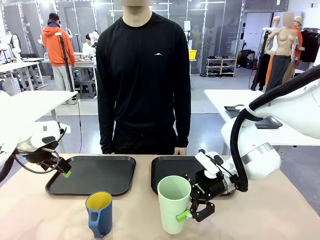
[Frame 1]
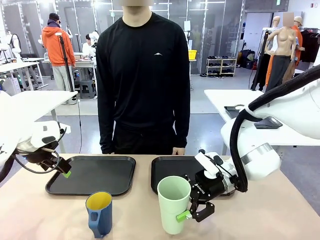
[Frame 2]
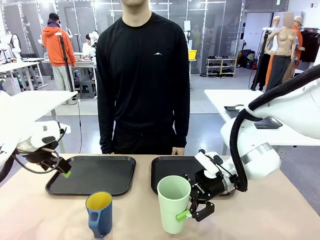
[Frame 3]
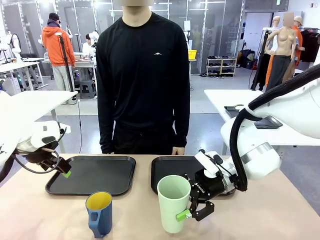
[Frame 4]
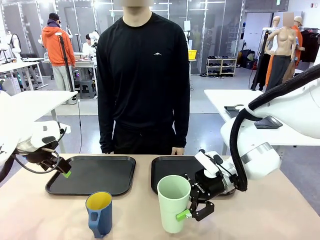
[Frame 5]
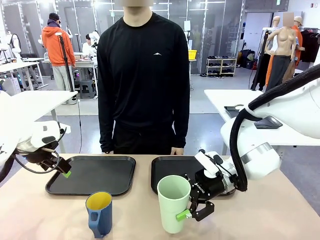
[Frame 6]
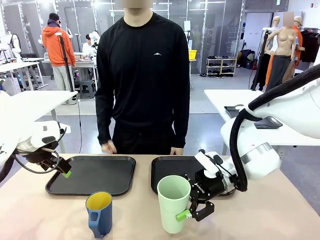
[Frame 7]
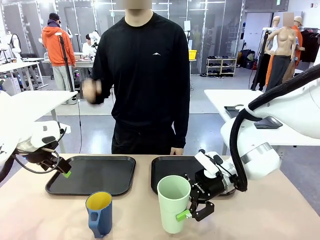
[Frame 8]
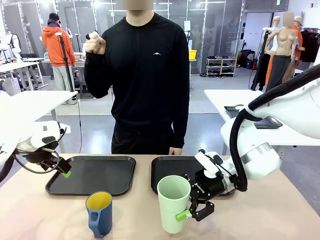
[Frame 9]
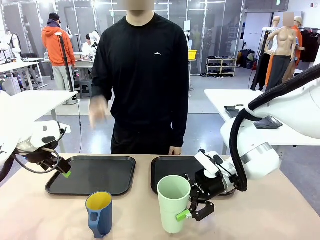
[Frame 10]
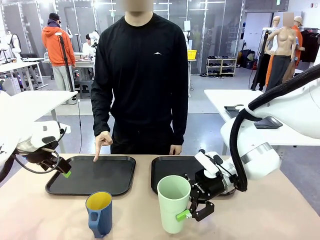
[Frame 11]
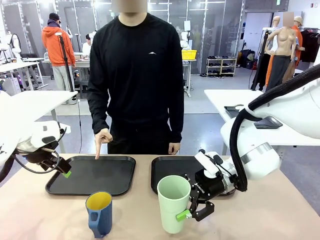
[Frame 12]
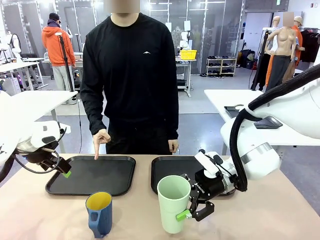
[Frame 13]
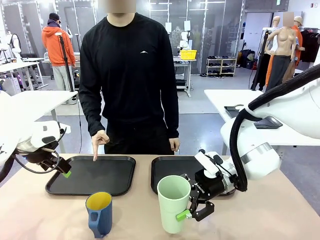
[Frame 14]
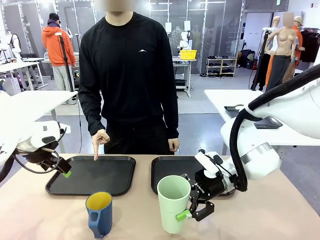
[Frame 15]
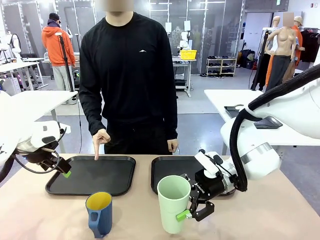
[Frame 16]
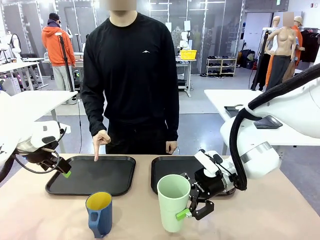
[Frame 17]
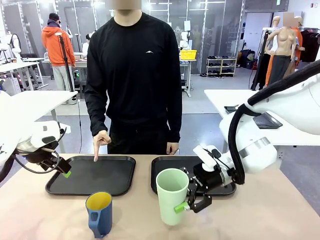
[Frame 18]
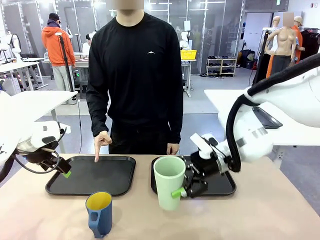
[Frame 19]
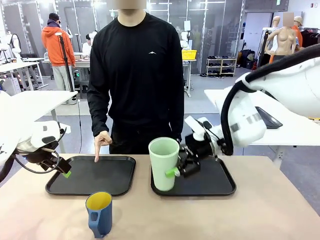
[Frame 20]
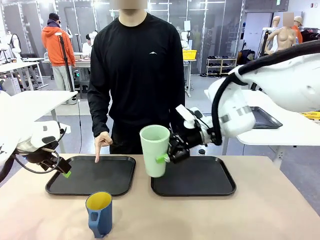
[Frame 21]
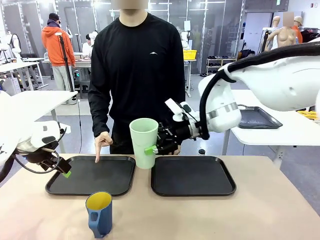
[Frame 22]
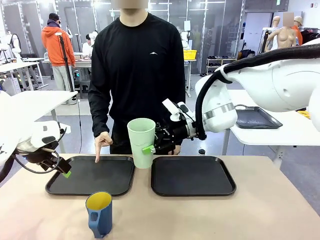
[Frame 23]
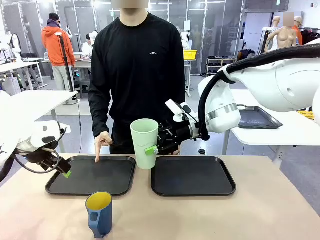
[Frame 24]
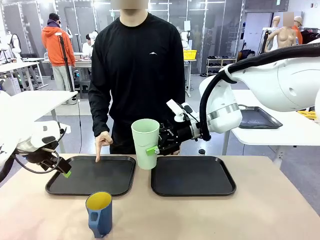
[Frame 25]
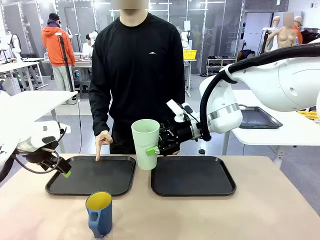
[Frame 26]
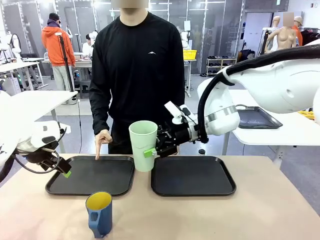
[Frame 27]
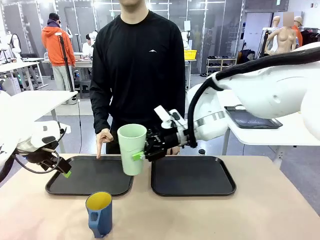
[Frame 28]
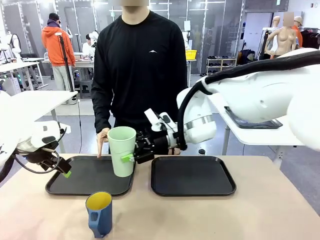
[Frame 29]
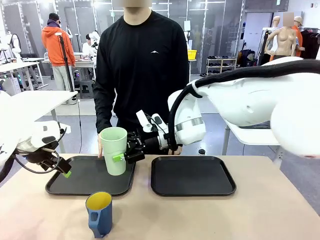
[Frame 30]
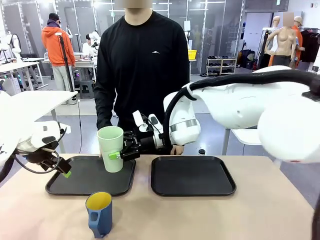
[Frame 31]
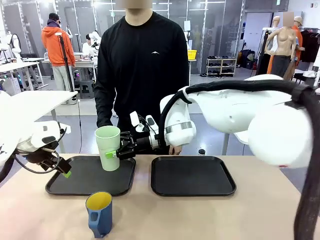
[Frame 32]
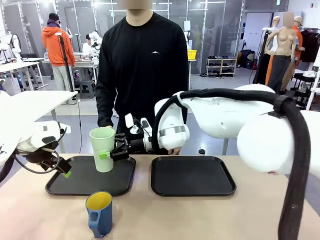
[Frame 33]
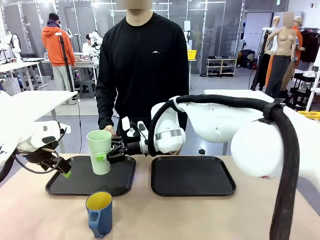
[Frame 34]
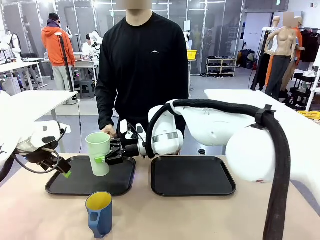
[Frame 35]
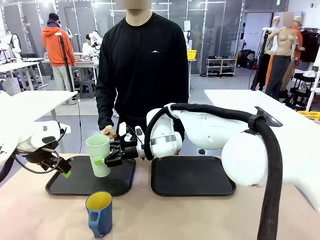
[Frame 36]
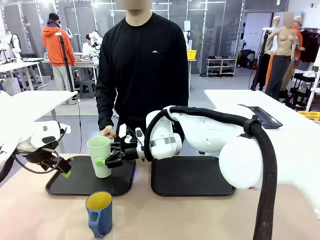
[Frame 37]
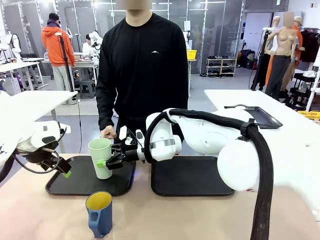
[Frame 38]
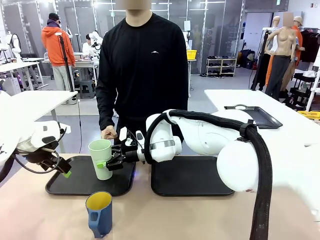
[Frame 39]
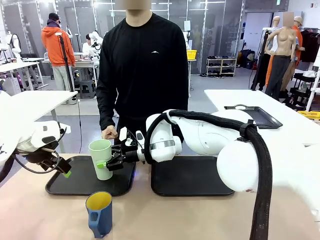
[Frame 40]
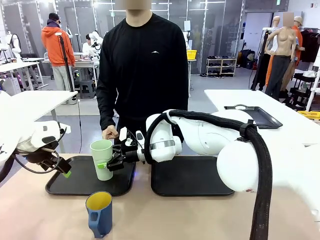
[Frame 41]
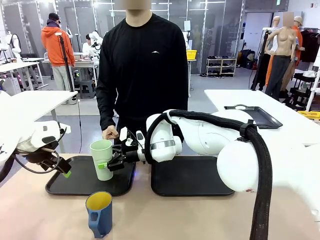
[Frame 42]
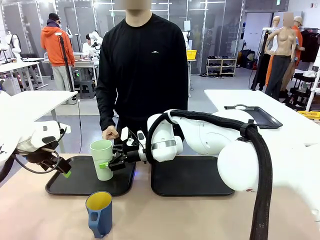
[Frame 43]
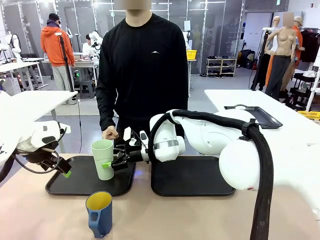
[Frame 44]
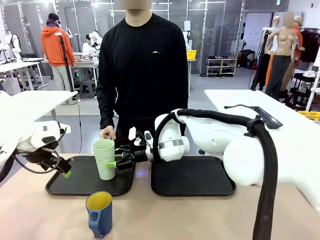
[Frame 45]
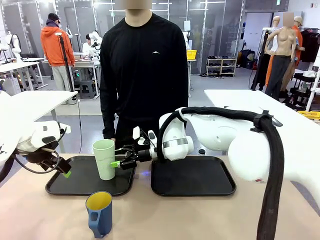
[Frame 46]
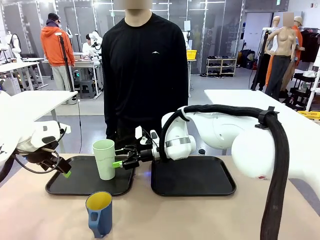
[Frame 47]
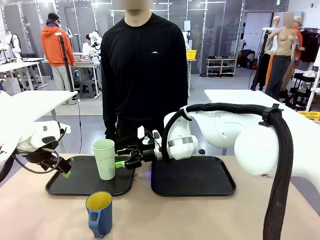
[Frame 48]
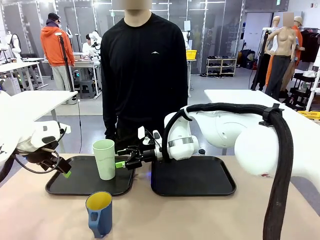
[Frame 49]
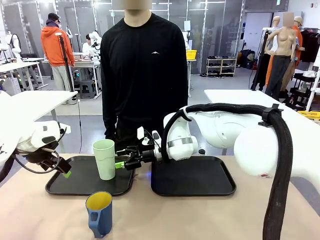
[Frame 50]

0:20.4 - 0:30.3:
Task: Sort and store the cups by type.
Robot: Place the picked Reusable plastic cup into the Flat Tray indicated by the person.

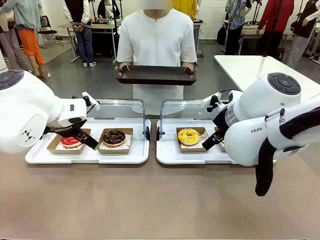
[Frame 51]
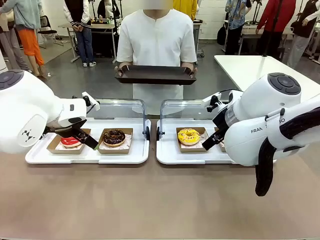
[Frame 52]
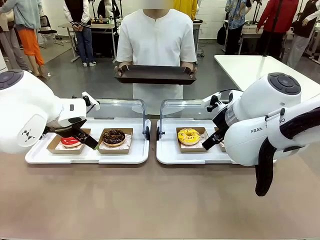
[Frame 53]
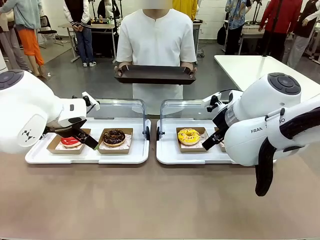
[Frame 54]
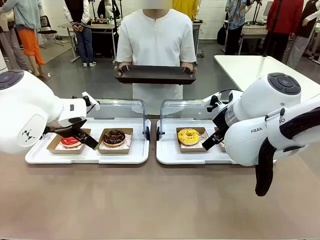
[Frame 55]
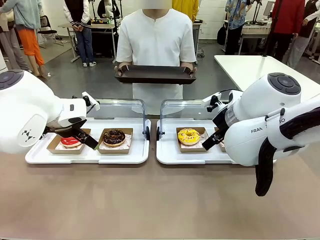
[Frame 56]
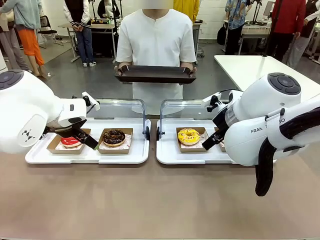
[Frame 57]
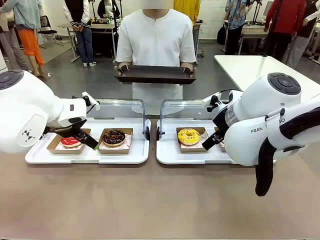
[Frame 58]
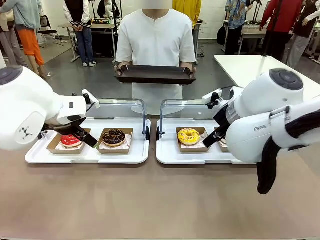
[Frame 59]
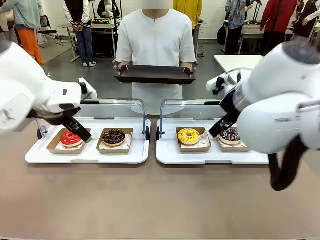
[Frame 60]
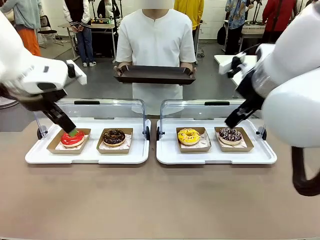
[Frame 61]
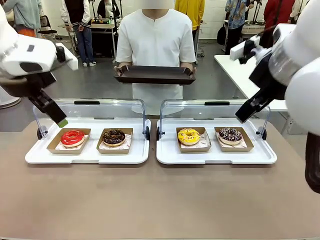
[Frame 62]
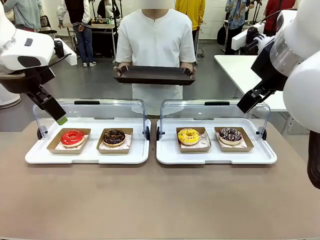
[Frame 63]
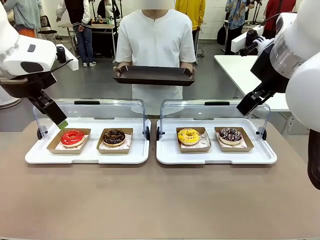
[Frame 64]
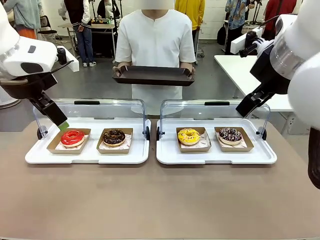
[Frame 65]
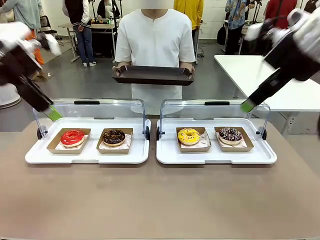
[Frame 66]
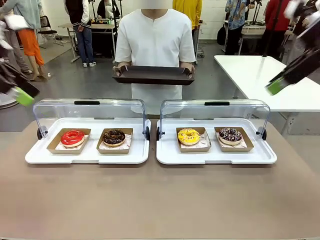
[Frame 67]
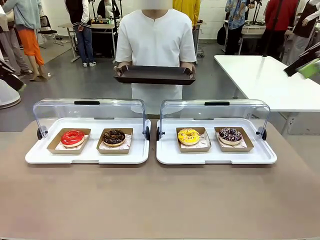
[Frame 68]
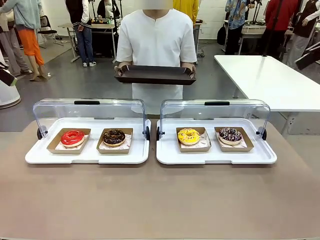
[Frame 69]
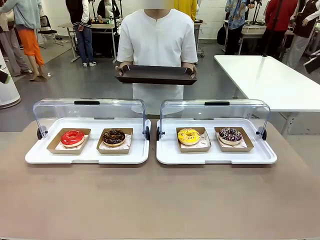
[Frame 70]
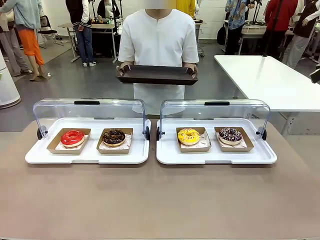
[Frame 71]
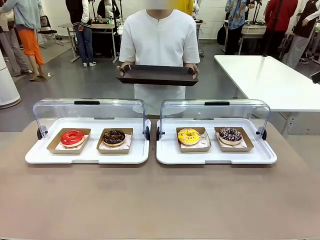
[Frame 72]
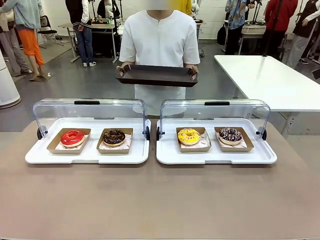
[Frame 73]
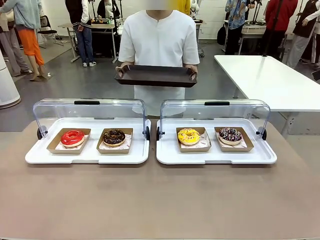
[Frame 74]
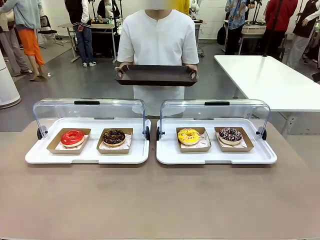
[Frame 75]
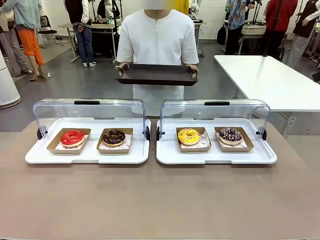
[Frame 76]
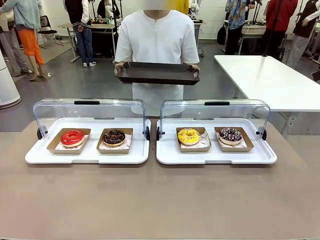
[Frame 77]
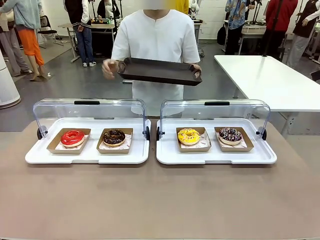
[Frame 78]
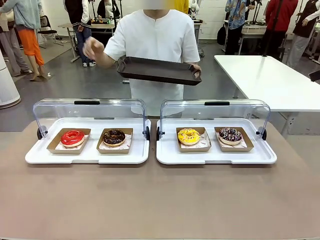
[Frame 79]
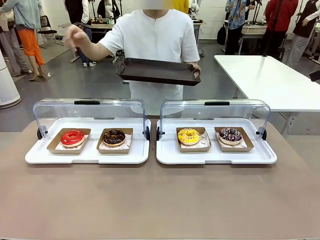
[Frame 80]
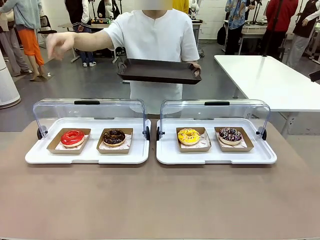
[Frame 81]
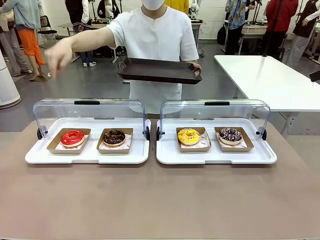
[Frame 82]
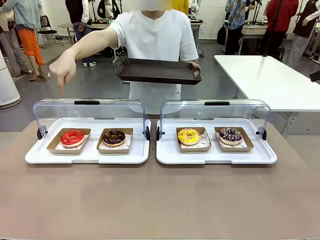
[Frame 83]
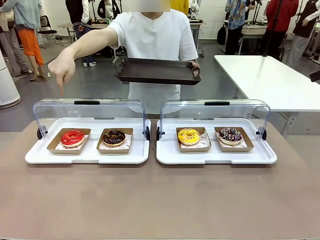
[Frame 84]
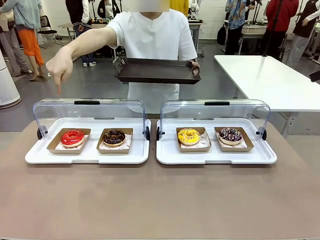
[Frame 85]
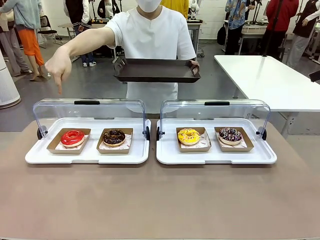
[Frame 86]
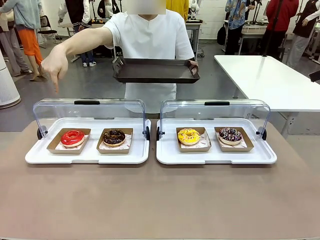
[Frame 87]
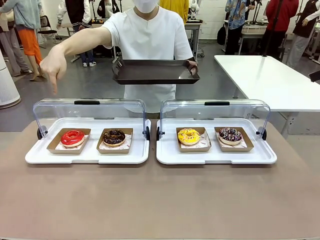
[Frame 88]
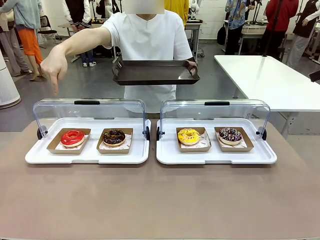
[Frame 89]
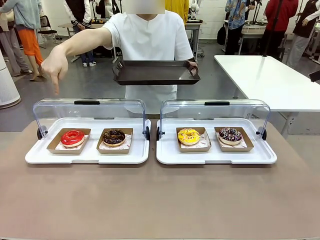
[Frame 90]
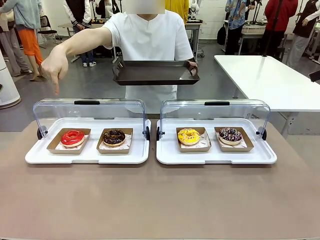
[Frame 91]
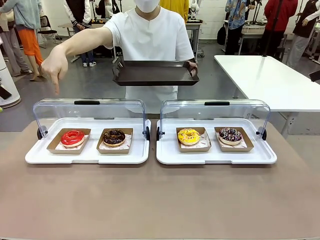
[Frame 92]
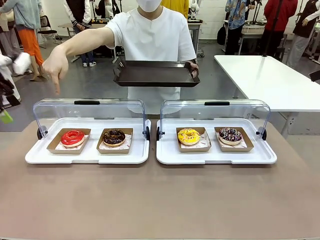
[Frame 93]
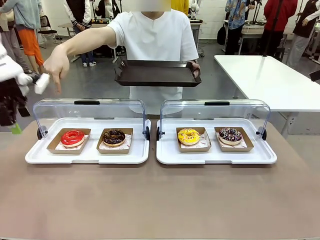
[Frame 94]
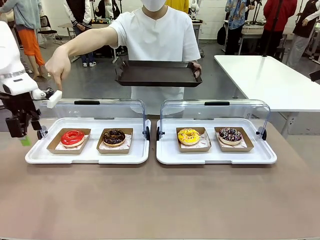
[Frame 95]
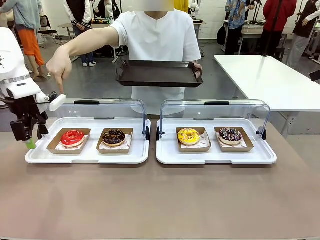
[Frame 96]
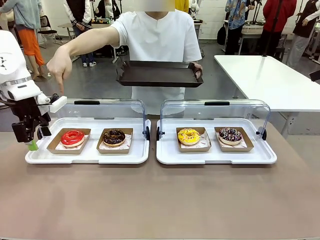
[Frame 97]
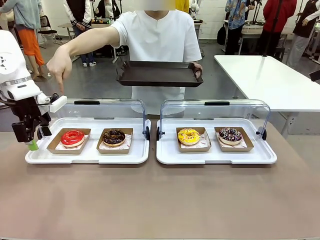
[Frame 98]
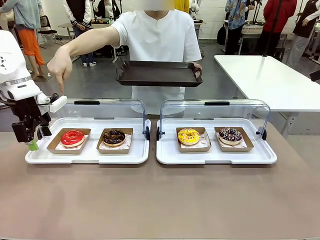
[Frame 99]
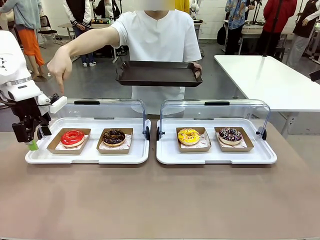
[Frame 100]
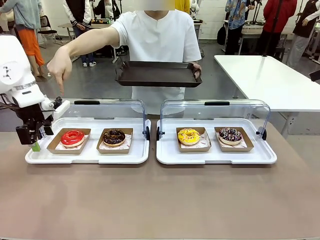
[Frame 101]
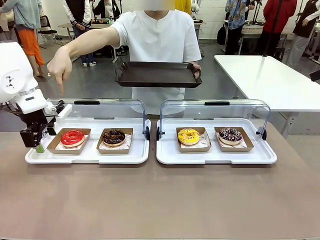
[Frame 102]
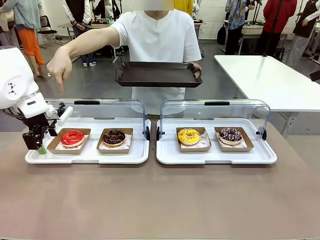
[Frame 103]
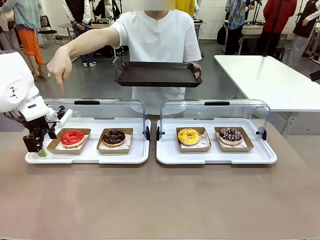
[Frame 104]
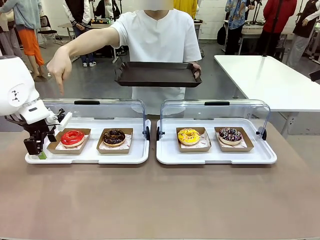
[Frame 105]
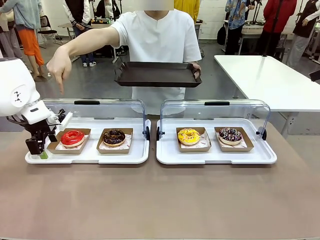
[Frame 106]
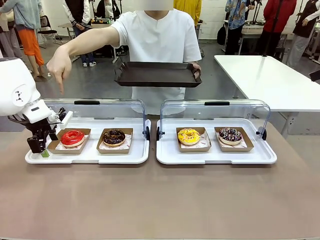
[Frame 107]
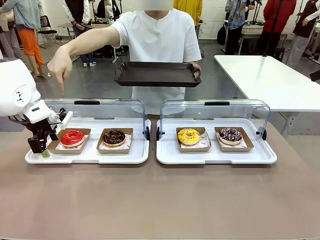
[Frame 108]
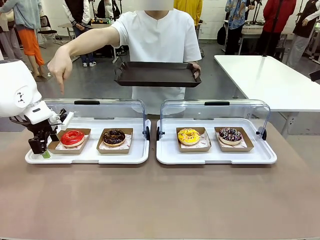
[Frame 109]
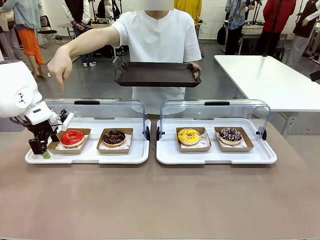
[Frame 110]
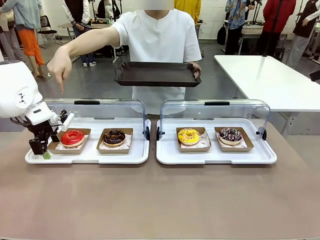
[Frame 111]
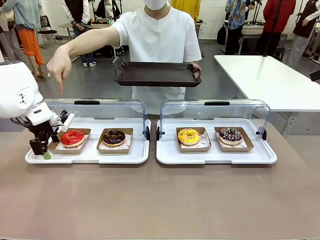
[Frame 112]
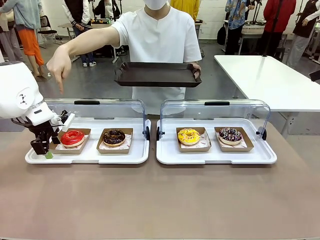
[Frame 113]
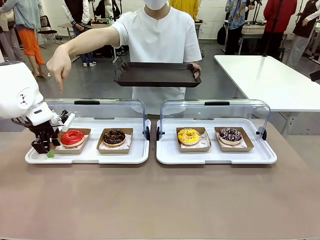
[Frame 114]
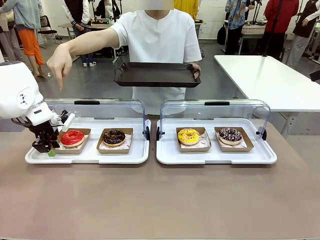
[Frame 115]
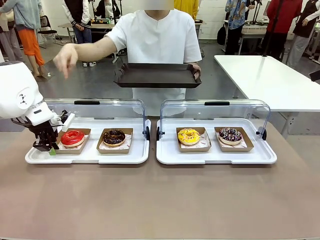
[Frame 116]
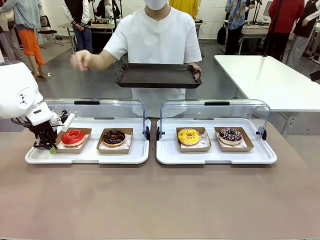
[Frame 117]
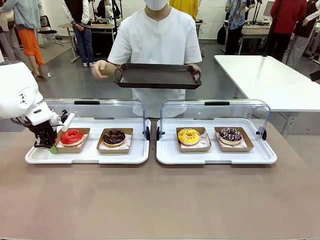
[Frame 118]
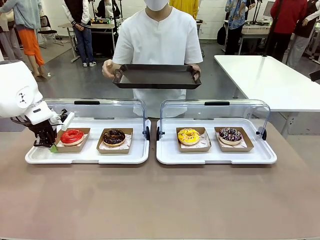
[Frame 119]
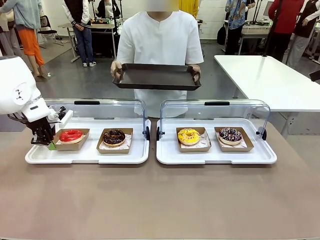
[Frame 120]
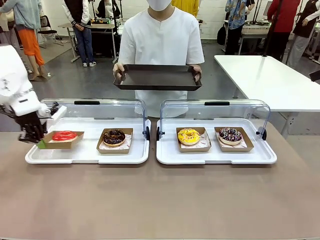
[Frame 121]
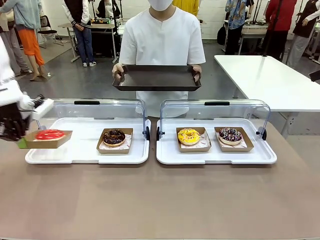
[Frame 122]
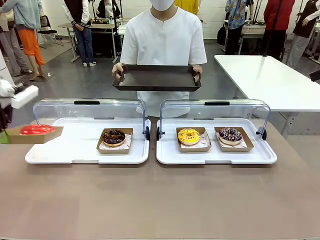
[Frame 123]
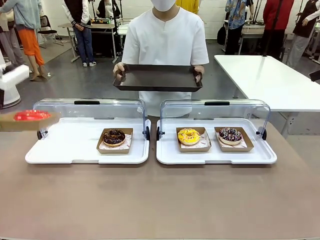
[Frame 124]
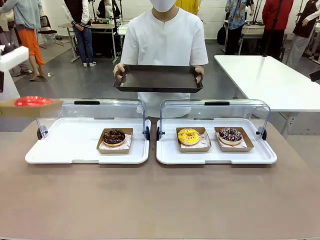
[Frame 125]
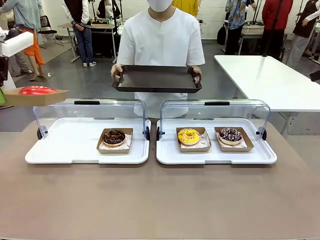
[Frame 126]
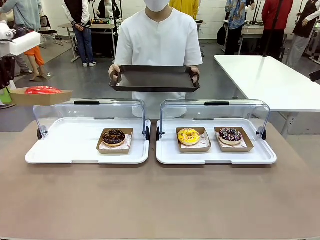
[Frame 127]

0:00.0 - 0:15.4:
Task: Provide the desired donut to the person.
Robot: Pick up and lift the Paper togo box containing the Donut pointed at by the person.
Person: Point to one donut. Lift the tray onto the Roll-Top Bakery Case.
